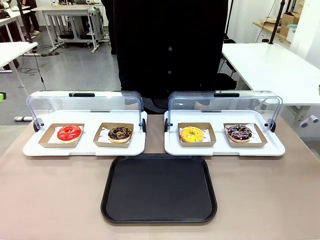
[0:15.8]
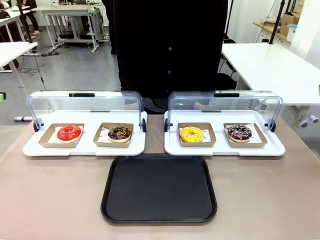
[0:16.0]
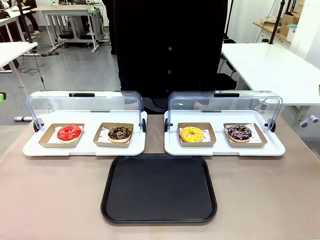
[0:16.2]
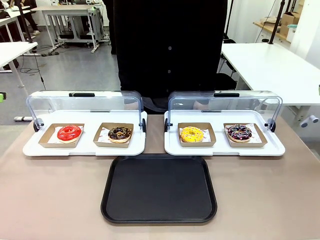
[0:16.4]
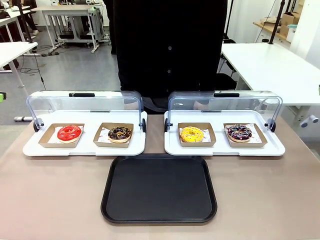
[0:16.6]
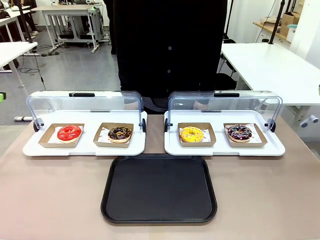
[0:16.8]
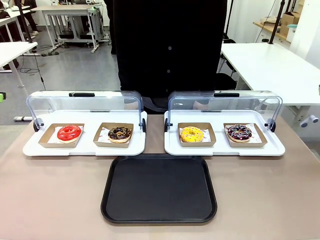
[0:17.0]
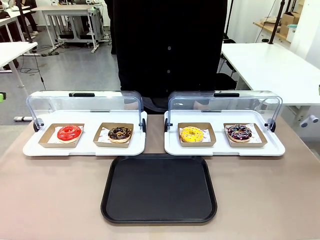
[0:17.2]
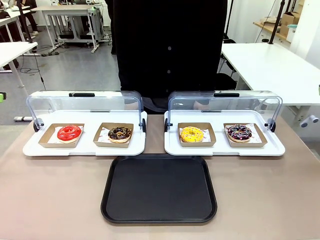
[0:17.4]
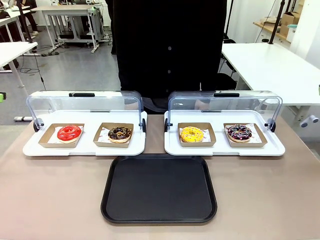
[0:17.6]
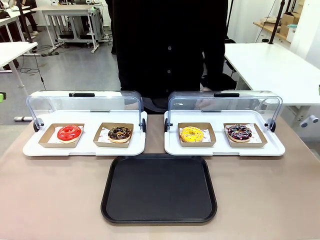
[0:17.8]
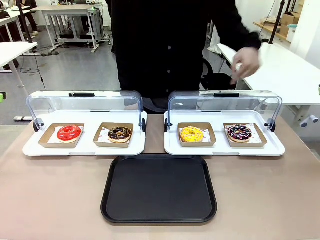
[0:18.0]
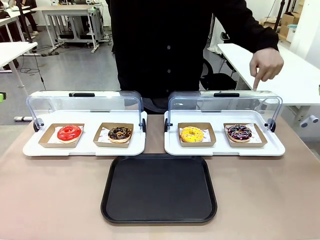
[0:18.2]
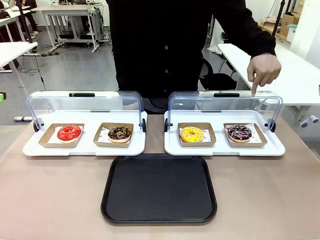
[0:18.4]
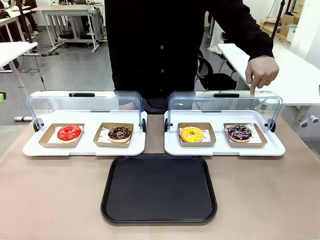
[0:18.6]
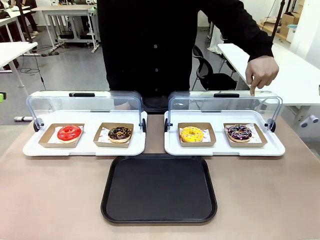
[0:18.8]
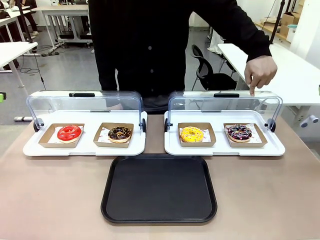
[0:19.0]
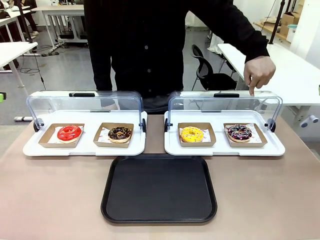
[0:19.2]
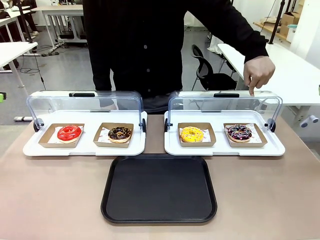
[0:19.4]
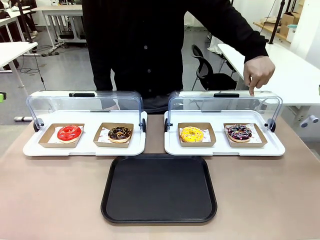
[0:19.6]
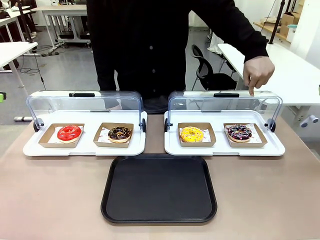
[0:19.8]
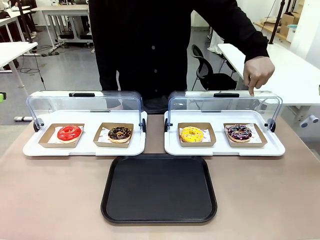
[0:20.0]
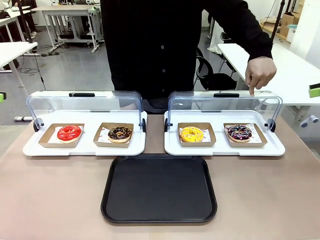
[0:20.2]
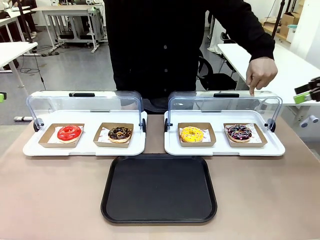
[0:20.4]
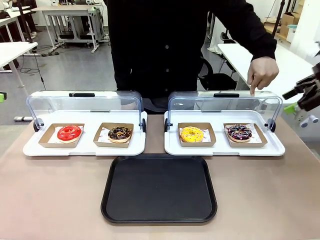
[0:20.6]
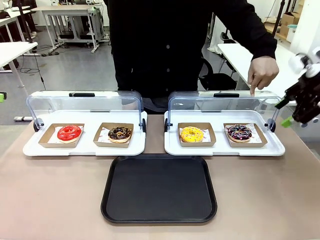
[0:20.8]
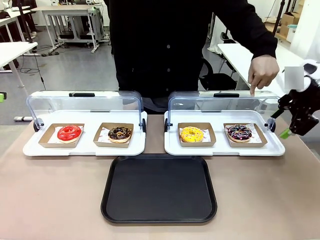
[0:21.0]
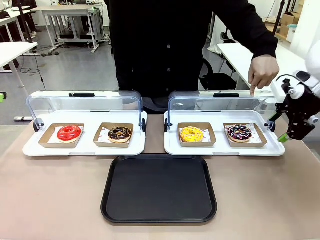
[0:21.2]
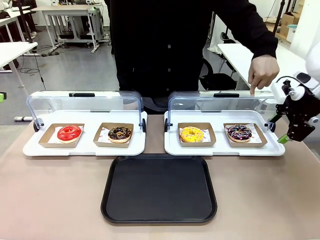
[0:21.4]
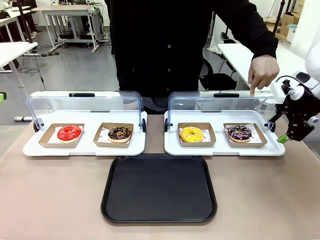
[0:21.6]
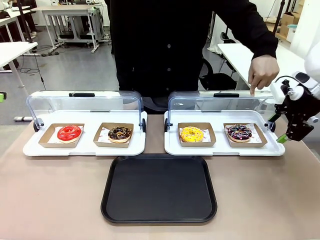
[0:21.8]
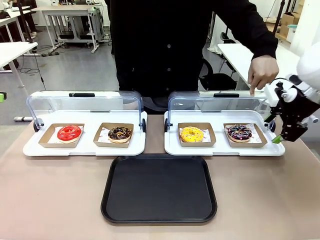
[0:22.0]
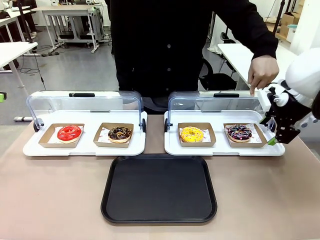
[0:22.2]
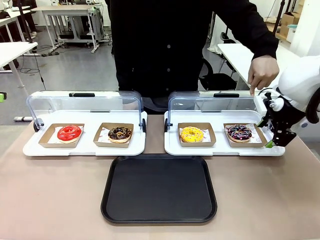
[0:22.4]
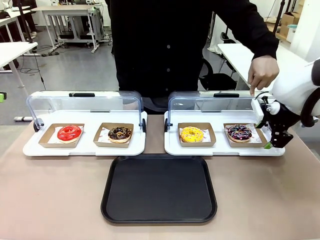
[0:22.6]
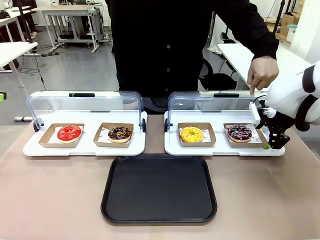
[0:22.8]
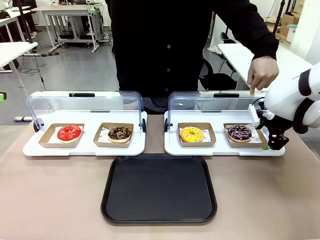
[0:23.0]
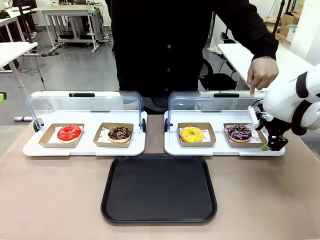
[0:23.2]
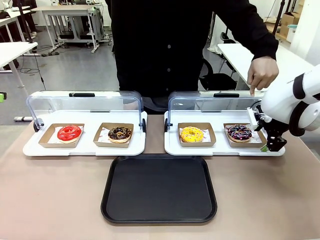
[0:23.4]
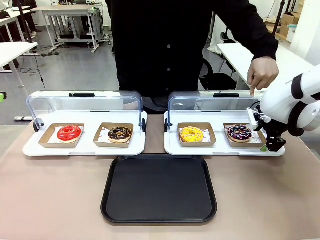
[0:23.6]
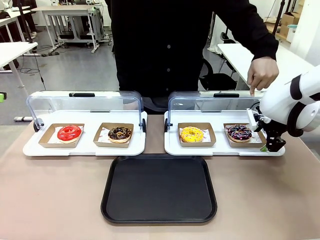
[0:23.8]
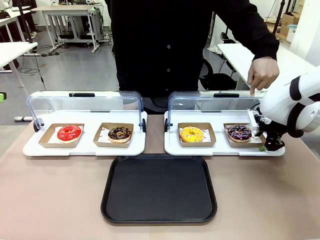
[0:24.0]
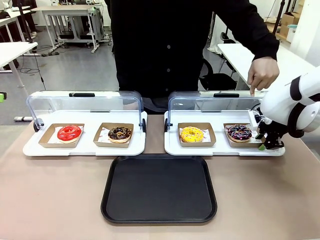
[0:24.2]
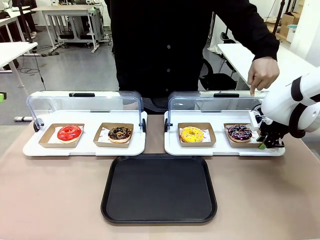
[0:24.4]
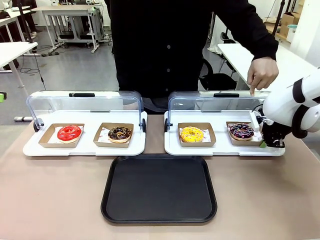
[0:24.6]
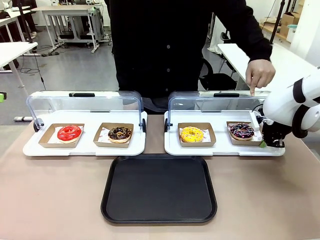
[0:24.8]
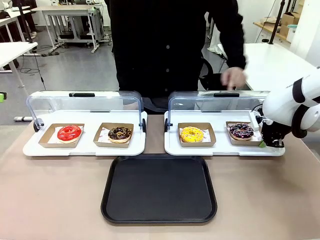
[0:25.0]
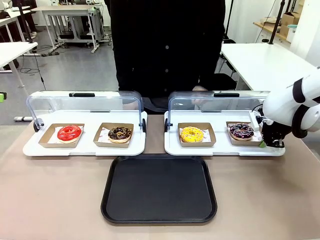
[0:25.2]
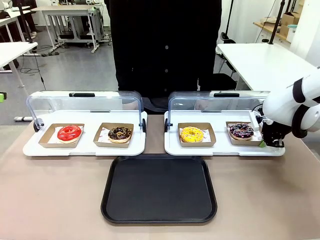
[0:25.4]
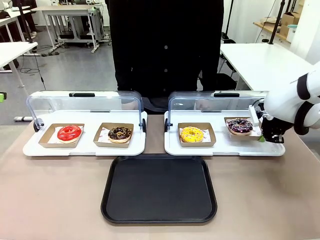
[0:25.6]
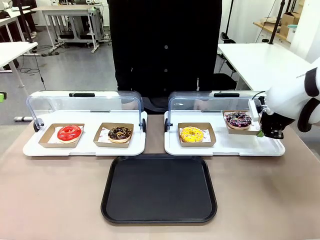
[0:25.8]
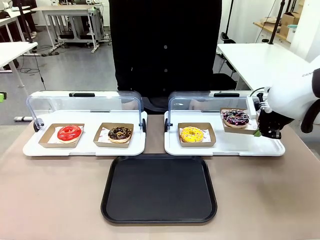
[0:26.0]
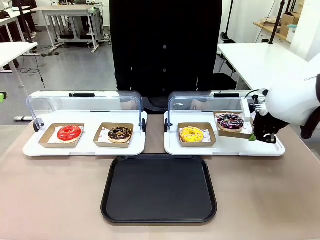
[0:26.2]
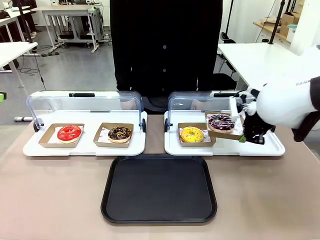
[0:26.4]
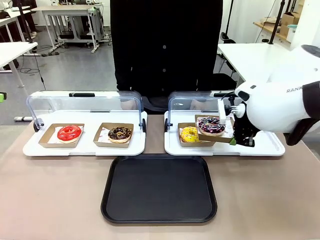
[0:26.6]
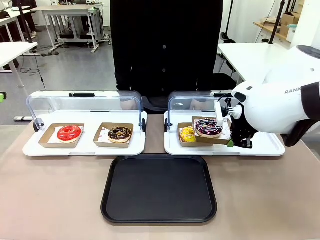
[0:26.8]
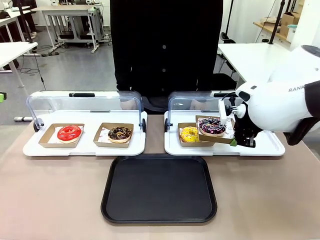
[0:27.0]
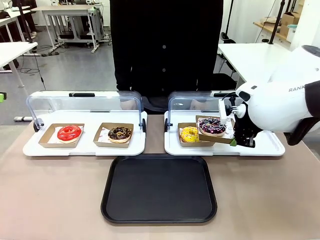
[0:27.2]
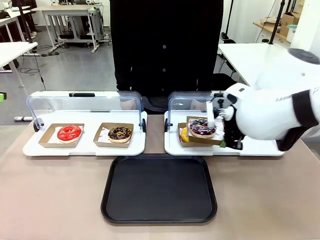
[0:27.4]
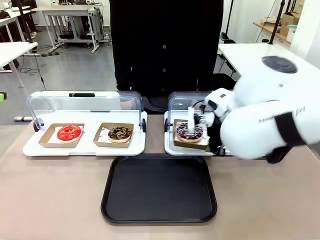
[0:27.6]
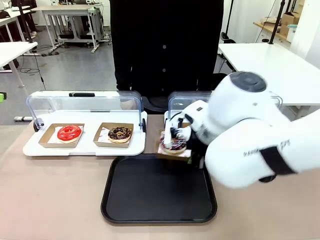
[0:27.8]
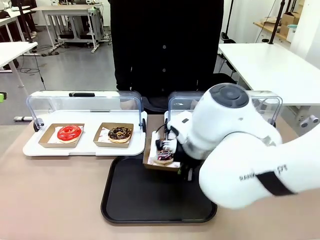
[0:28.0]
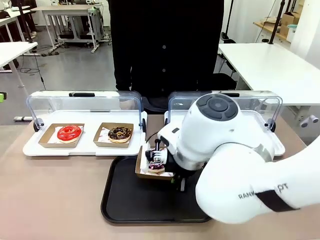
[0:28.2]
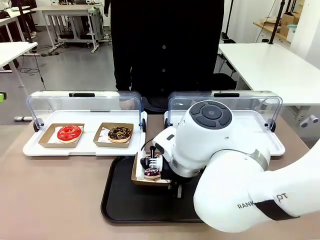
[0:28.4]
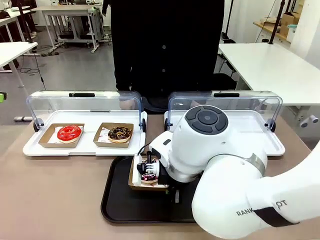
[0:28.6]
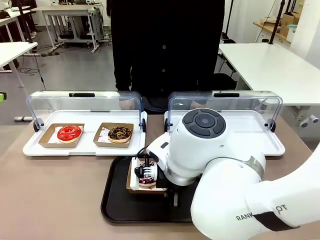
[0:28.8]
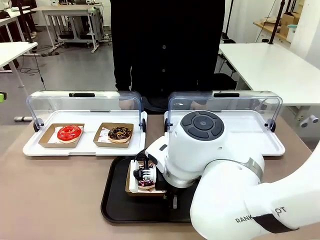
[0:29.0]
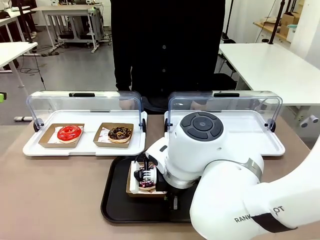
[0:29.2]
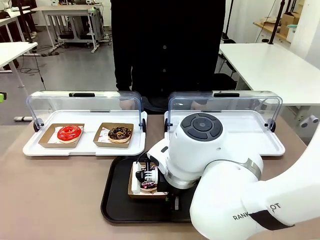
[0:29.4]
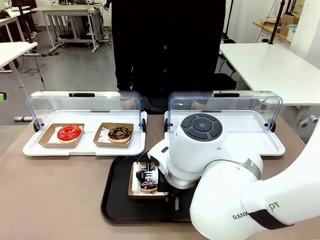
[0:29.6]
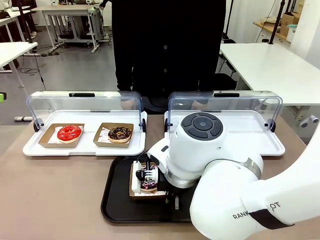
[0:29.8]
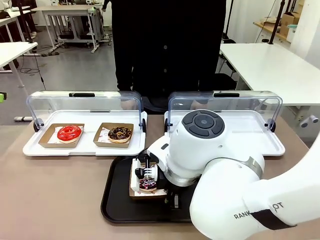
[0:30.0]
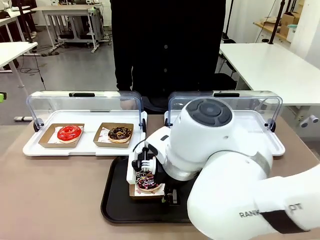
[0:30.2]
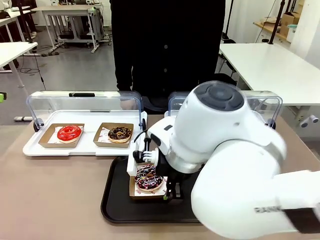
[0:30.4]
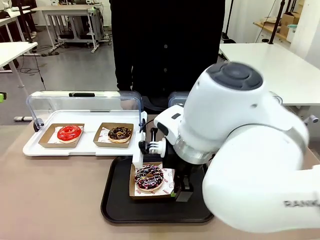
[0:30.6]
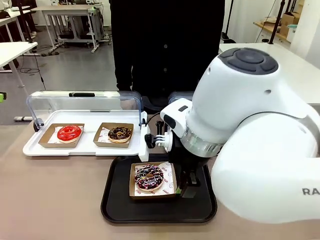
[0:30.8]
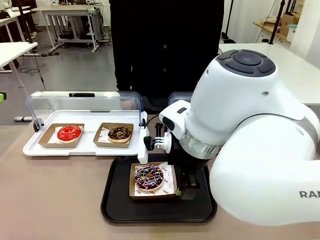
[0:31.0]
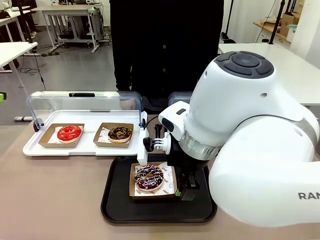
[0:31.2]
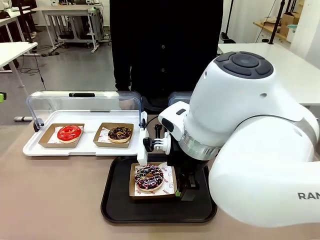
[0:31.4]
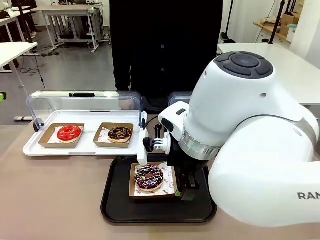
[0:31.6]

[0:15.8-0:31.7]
Task: Move the fourth donut from the left to the tray.
Robot: Pick up the Paper togo box containing the Donut indicated by the person and place it on the Handle tray.
Person: Points to the fourth donut from the left from the robot’s perspective.
